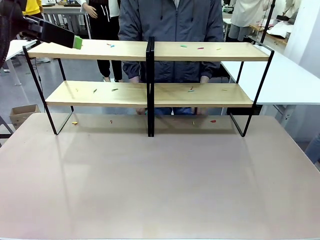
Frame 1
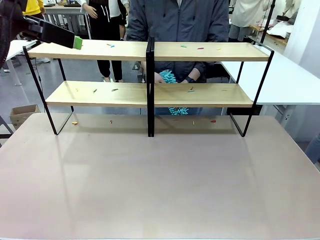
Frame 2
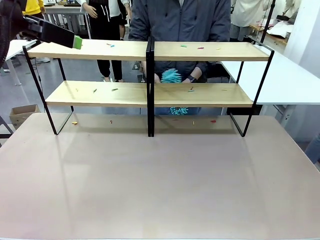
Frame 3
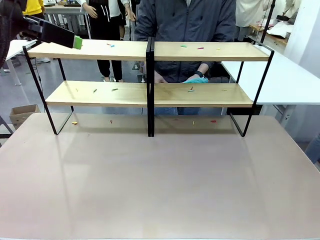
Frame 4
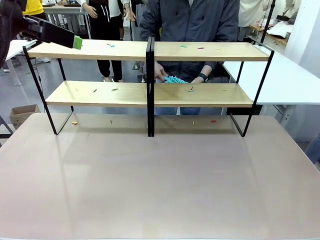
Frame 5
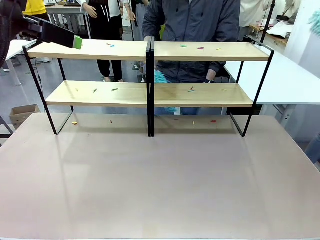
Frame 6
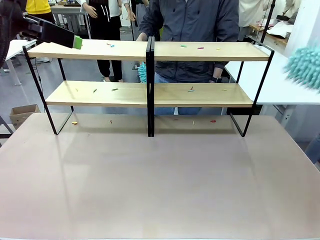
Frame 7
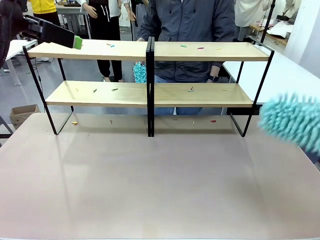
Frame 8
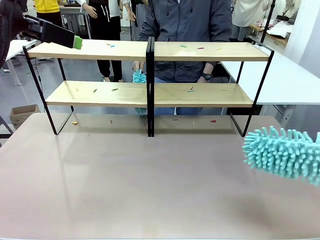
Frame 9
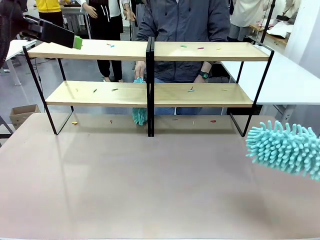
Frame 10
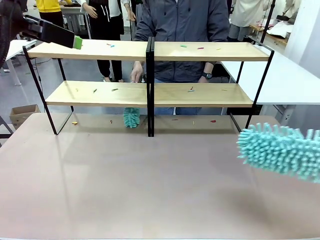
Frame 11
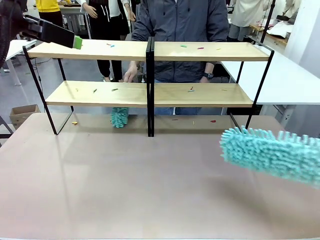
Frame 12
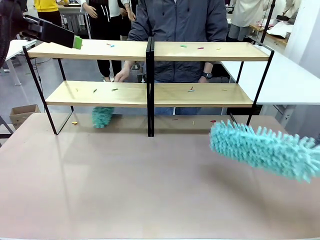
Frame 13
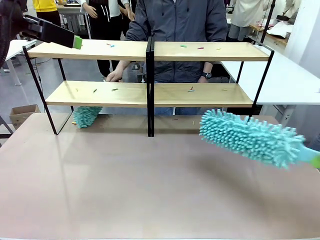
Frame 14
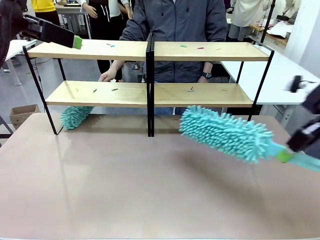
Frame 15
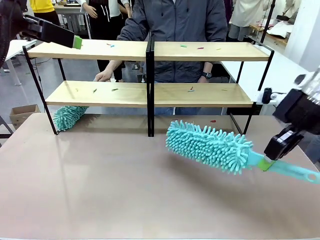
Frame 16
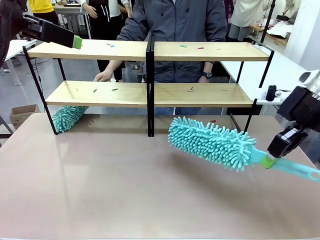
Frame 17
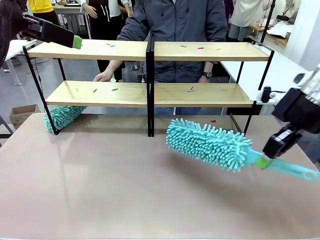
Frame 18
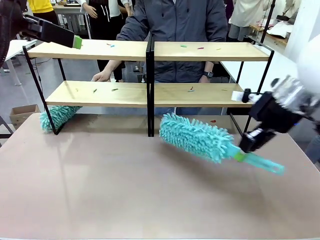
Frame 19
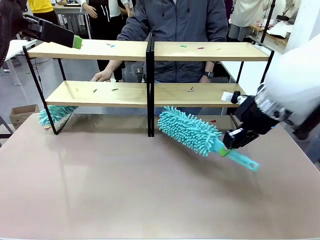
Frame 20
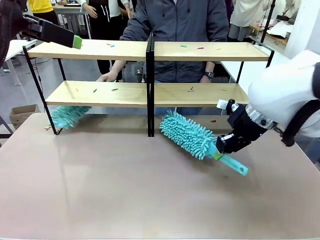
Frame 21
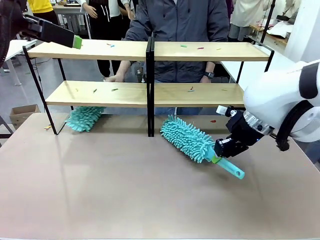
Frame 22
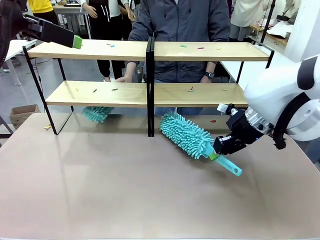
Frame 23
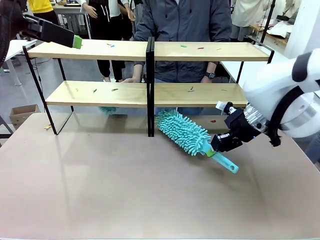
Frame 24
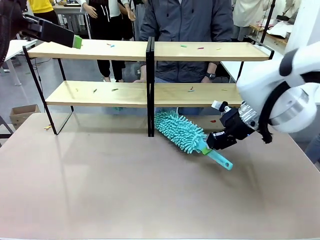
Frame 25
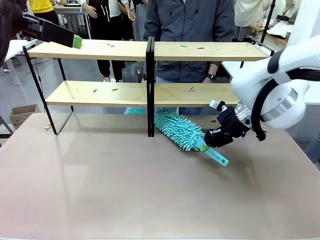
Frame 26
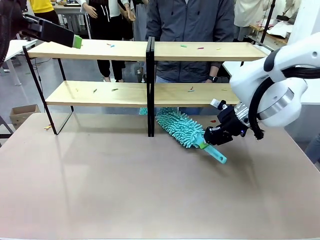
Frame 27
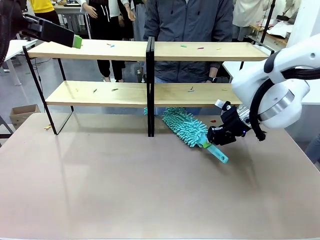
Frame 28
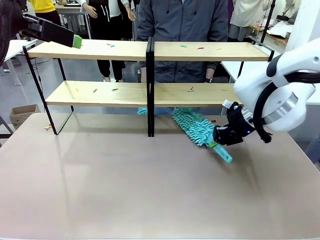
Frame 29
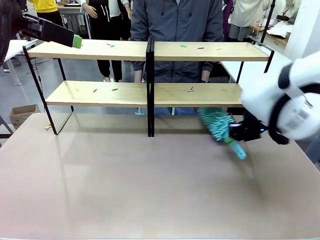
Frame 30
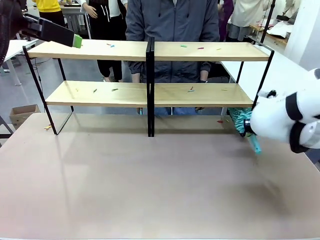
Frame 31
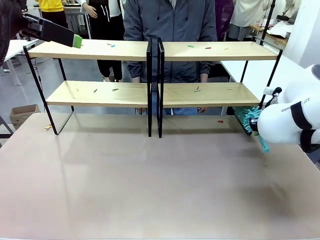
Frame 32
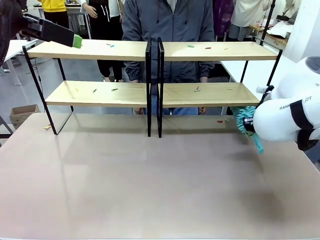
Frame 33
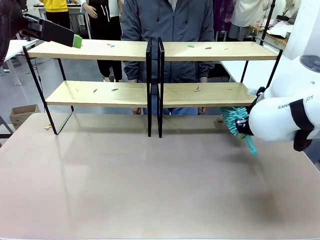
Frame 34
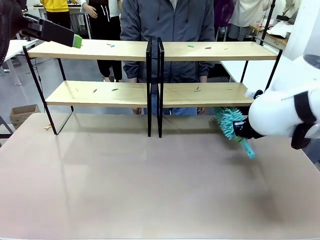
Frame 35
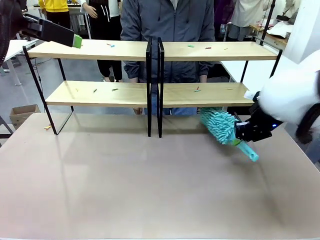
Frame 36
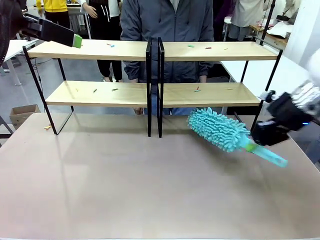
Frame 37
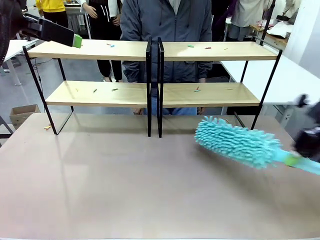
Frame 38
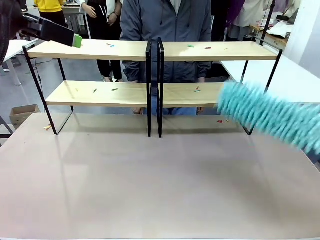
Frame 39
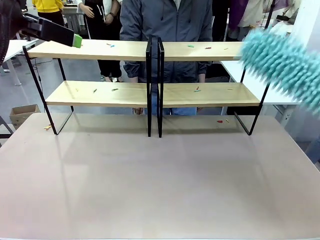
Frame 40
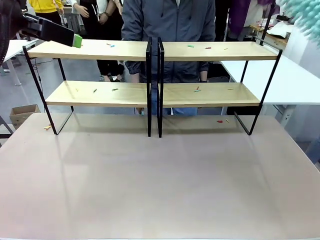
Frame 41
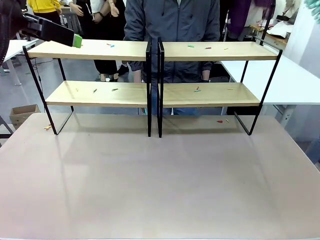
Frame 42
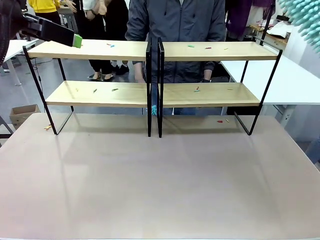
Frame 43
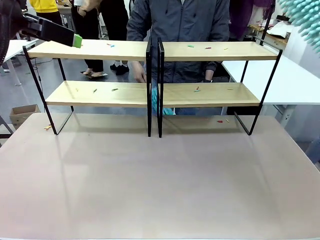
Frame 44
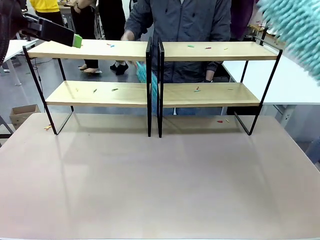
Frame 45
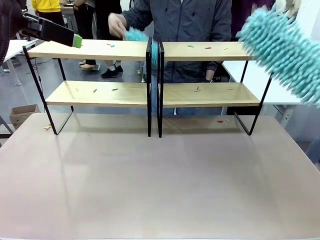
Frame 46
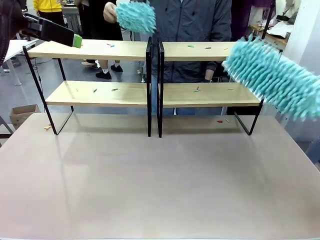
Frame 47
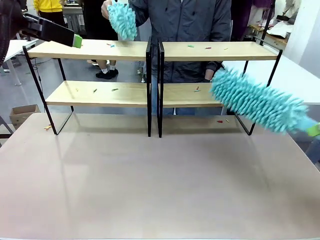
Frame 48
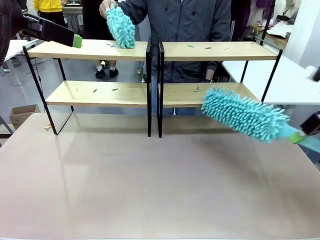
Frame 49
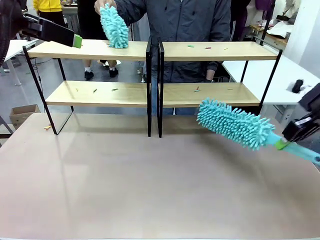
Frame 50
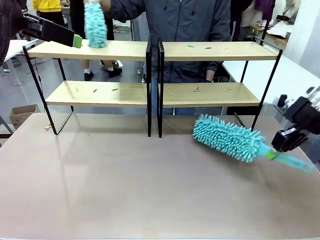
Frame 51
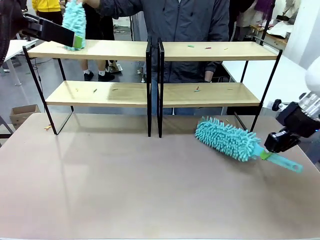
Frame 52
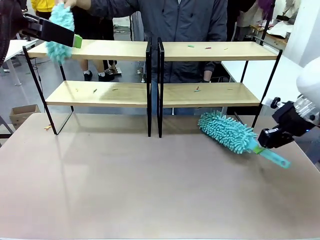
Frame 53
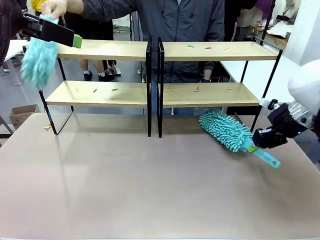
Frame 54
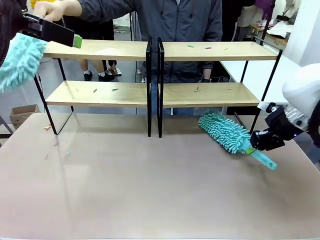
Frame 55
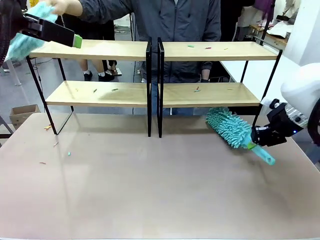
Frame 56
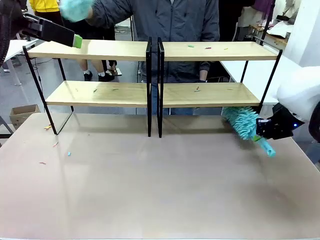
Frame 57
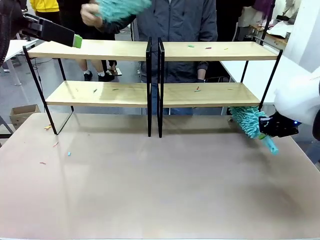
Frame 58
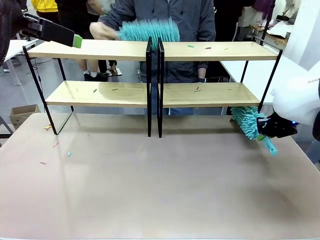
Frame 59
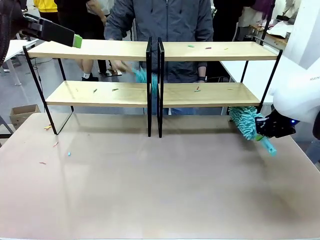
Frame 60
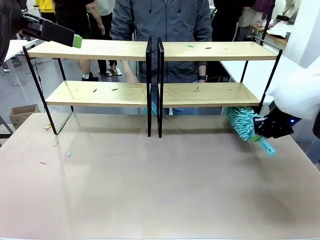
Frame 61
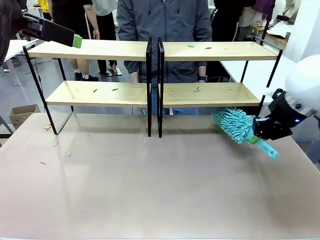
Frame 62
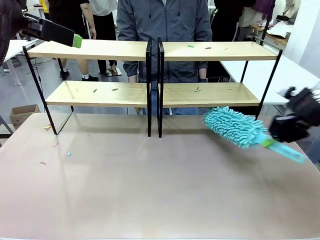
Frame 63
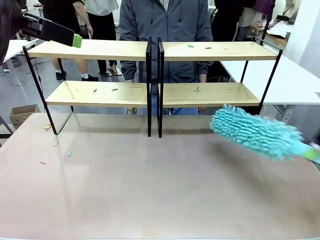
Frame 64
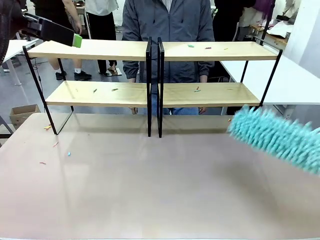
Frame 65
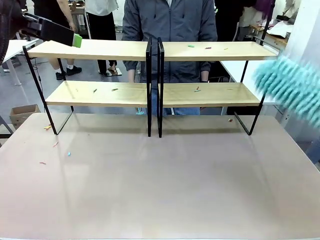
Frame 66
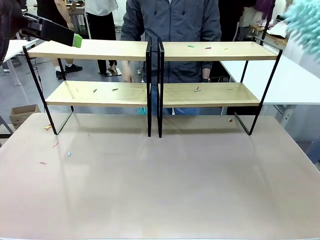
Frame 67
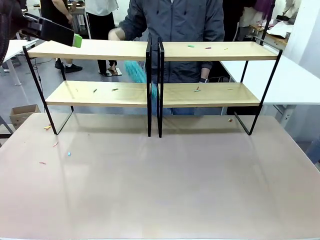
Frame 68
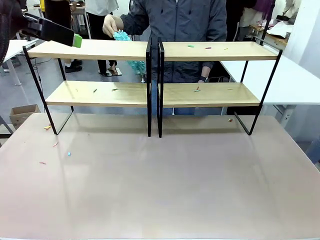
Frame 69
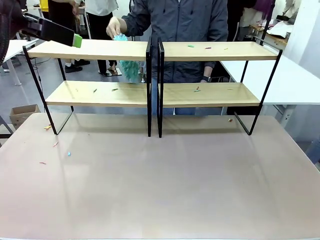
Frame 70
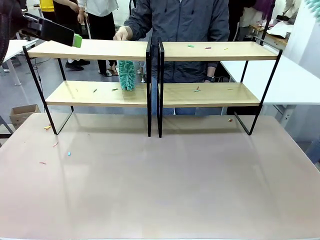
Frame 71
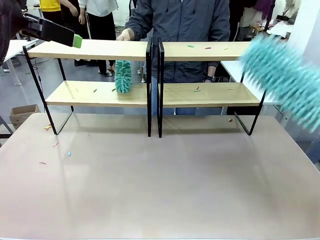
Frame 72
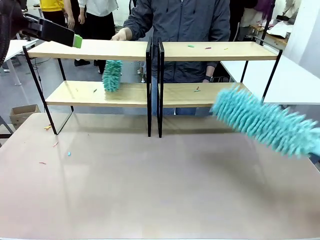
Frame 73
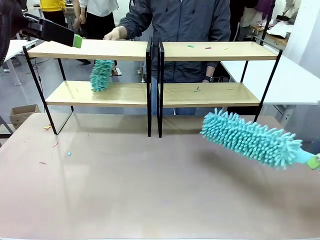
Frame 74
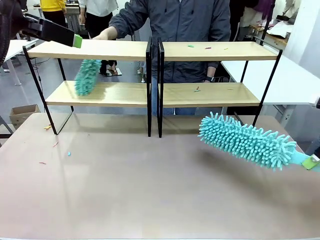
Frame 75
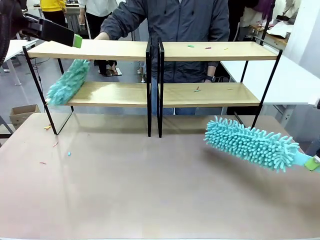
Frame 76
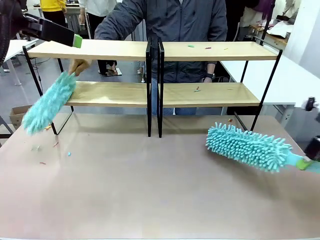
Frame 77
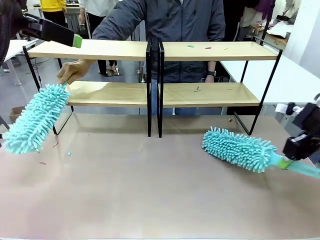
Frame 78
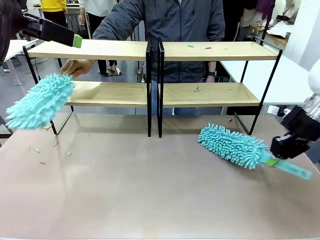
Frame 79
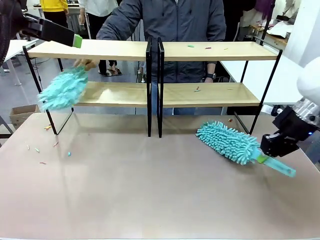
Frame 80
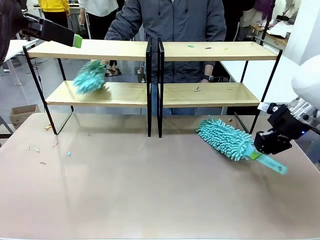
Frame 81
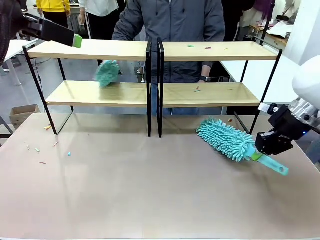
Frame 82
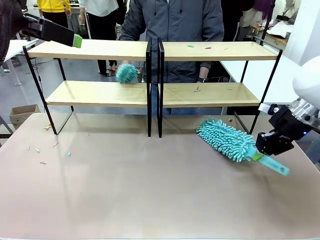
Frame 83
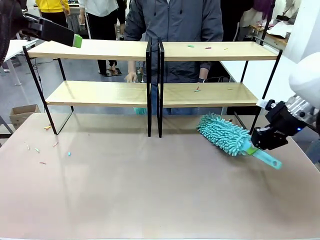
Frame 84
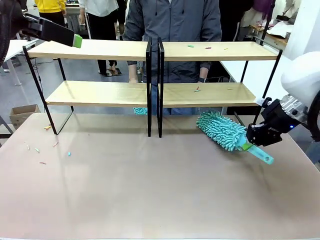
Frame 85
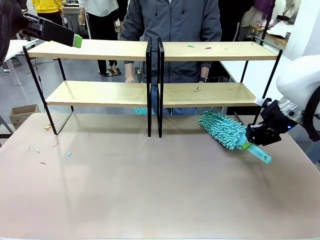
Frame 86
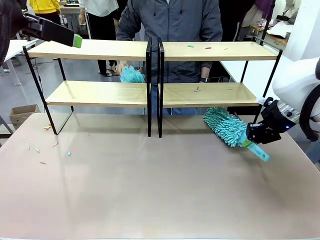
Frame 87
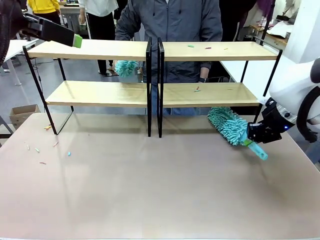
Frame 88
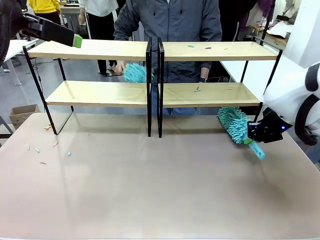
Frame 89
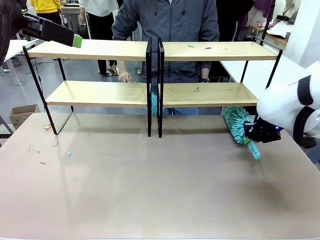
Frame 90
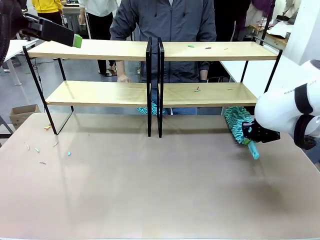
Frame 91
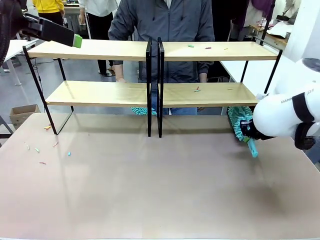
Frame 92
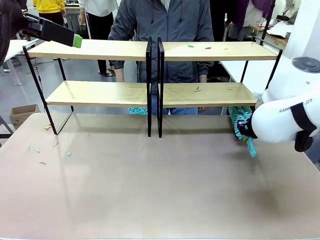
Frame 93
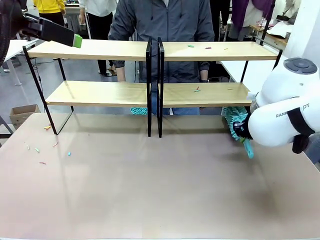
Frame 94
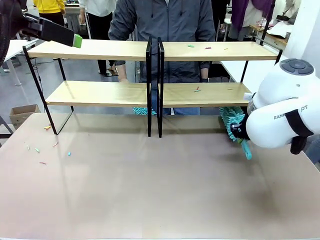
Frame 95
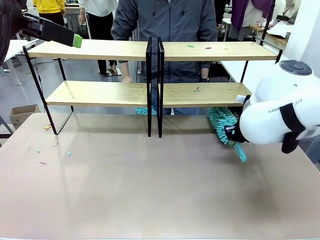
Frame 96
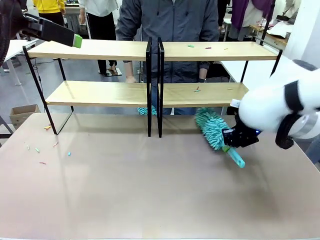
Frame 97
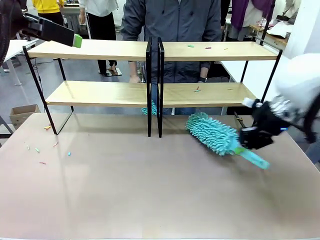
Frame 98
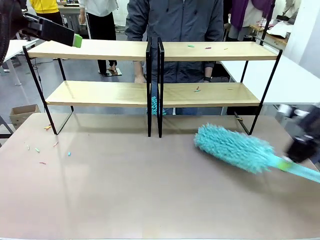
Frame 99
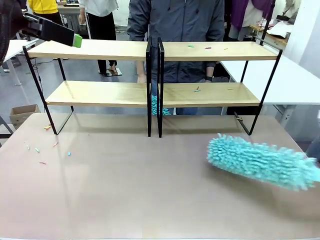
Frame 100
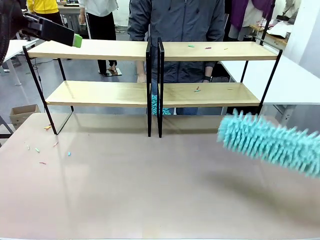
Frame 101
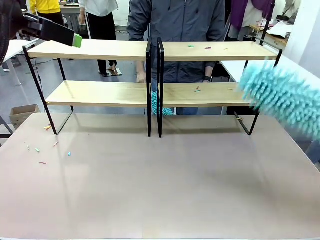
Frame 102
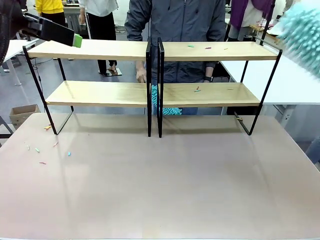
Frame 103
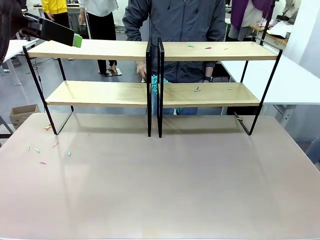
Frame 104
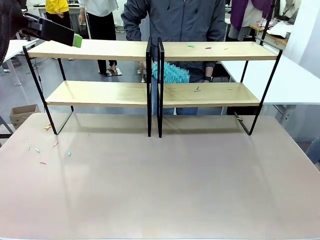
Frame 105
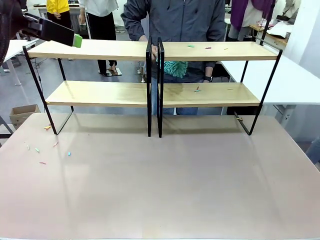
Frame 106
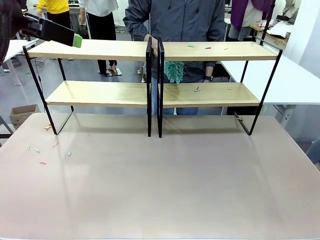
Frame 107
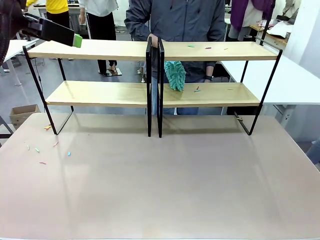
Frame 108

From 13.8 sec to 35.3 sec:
Task: Clean the shelves.
Robot: Clean a randomly selected level of the Shelf with the Duster.
Person: Clean a randomly selected level of the Shelf with the Duster.
